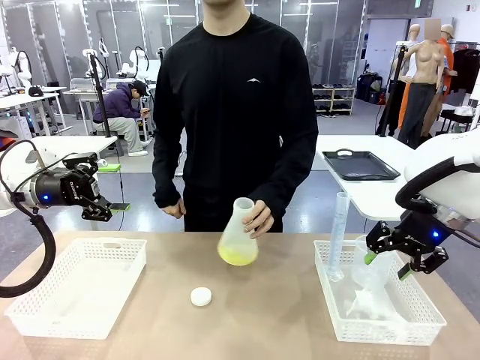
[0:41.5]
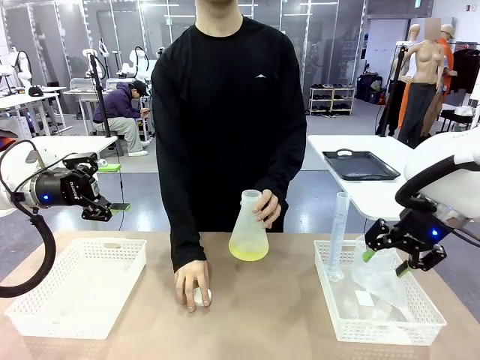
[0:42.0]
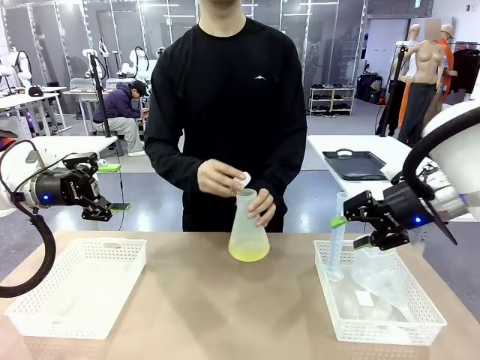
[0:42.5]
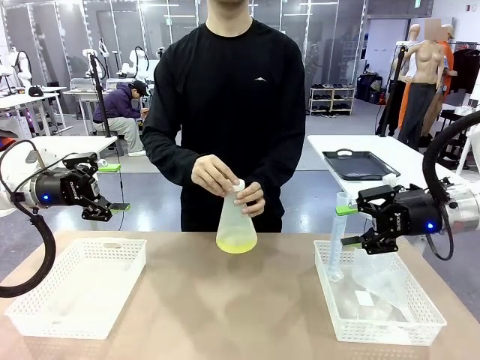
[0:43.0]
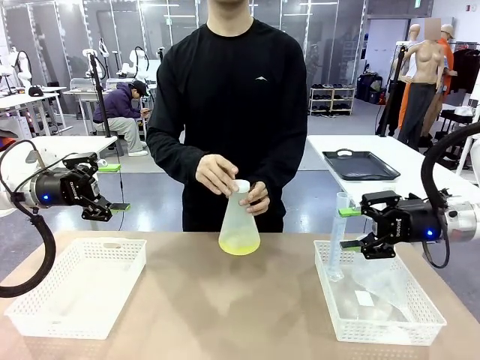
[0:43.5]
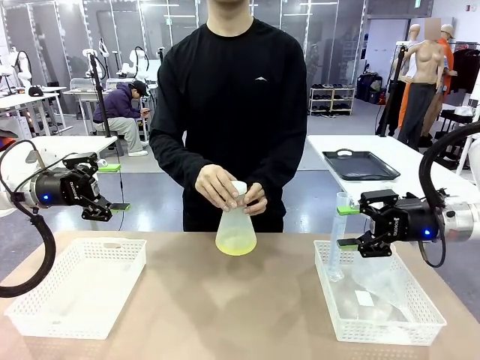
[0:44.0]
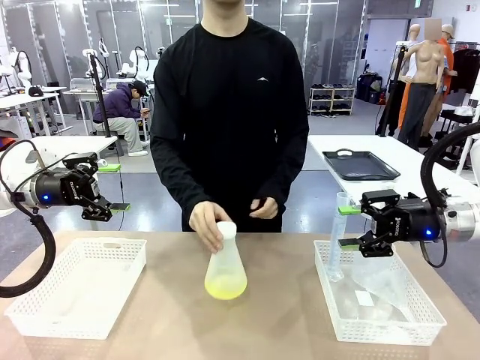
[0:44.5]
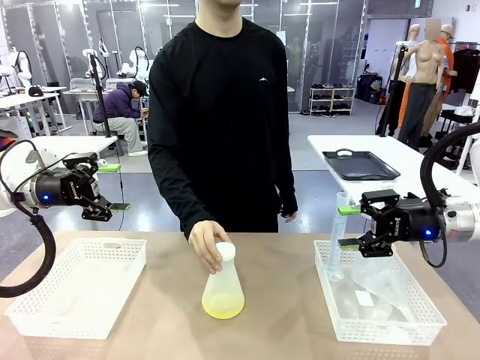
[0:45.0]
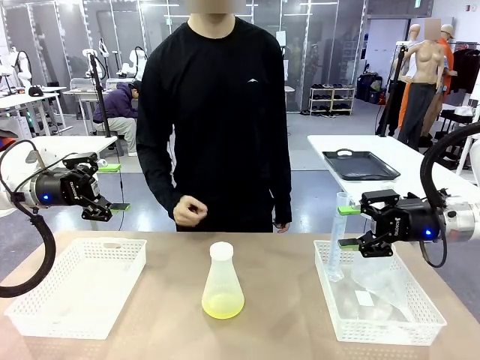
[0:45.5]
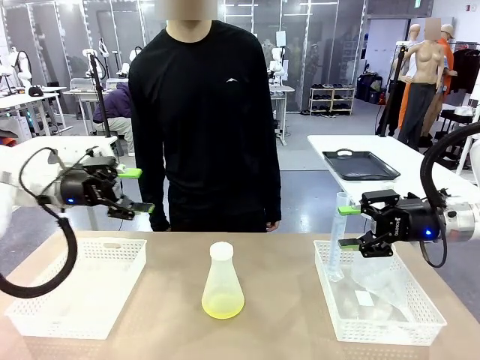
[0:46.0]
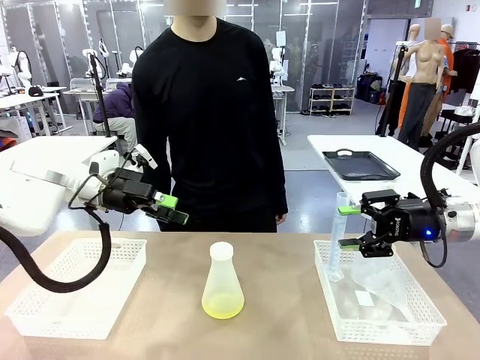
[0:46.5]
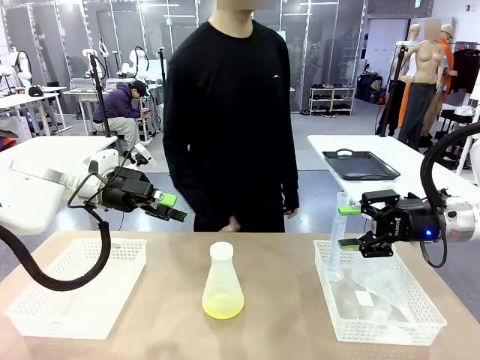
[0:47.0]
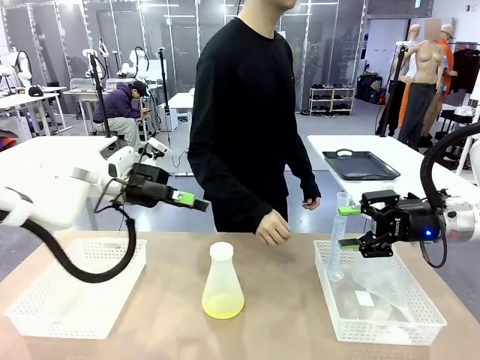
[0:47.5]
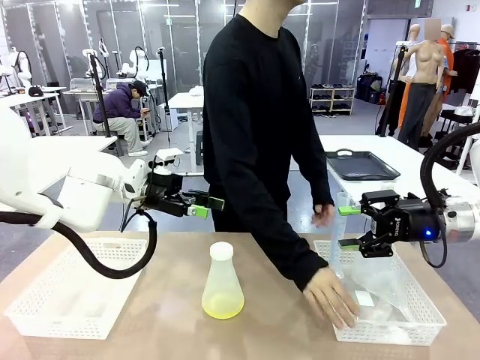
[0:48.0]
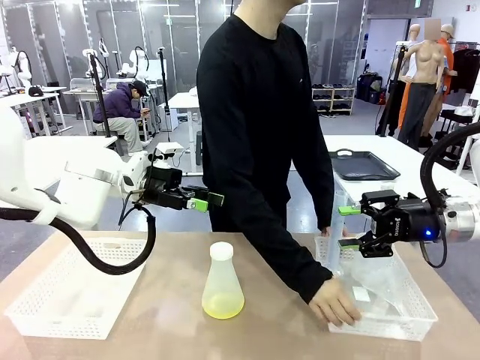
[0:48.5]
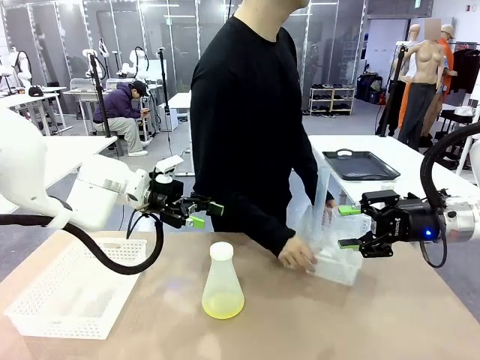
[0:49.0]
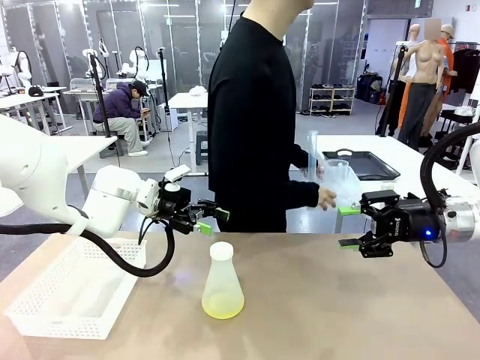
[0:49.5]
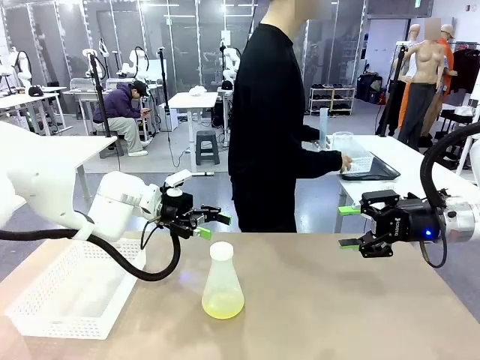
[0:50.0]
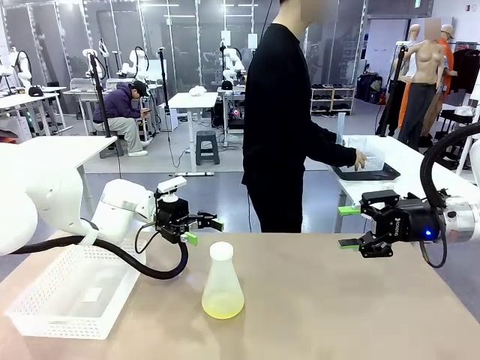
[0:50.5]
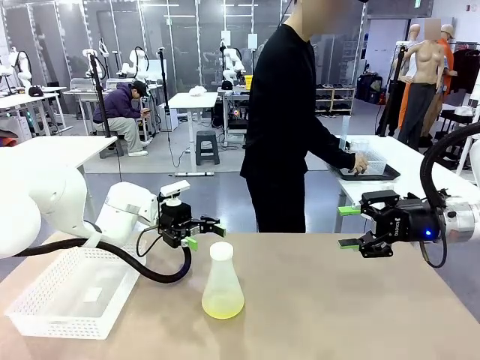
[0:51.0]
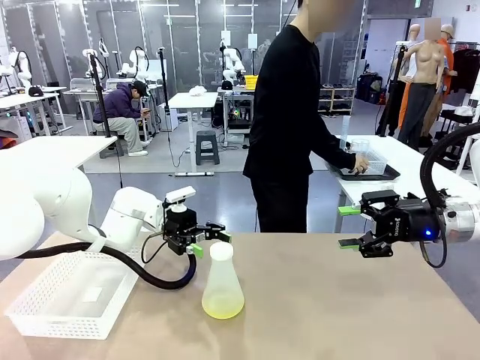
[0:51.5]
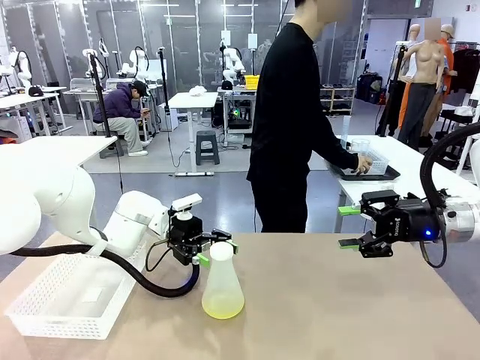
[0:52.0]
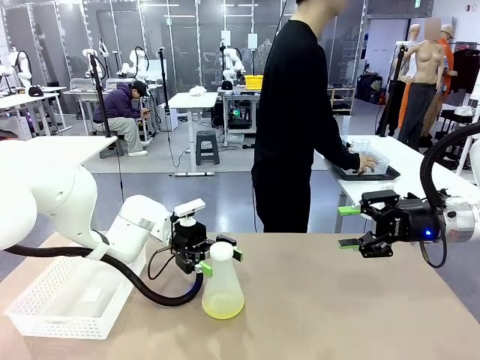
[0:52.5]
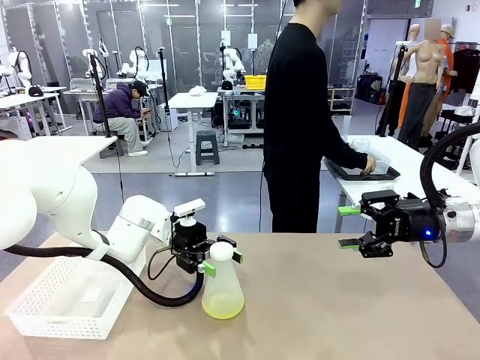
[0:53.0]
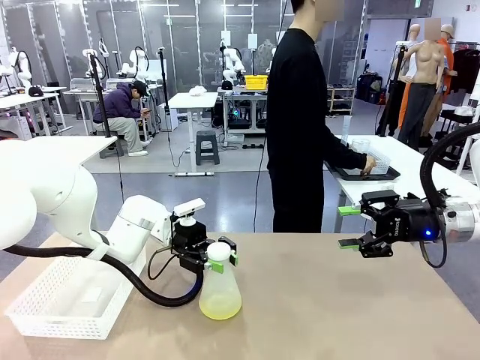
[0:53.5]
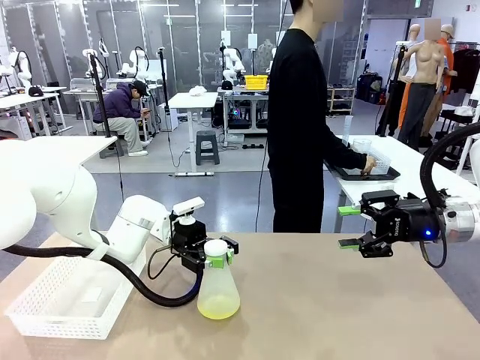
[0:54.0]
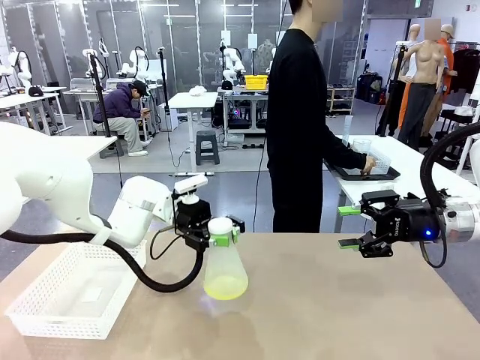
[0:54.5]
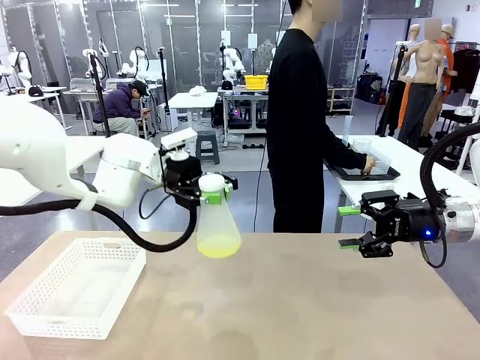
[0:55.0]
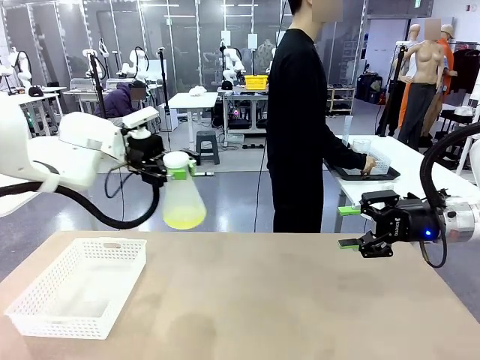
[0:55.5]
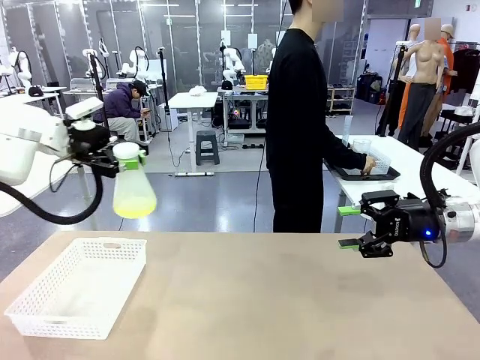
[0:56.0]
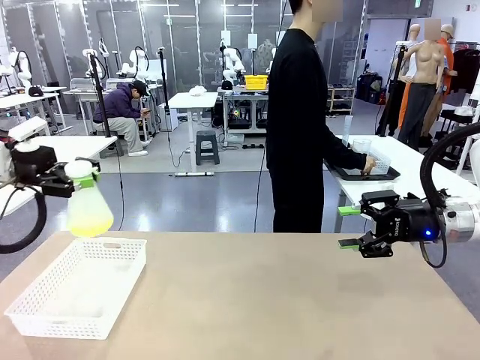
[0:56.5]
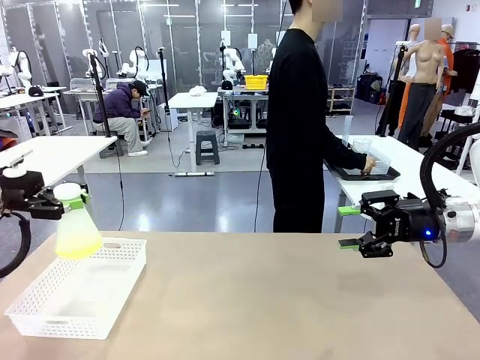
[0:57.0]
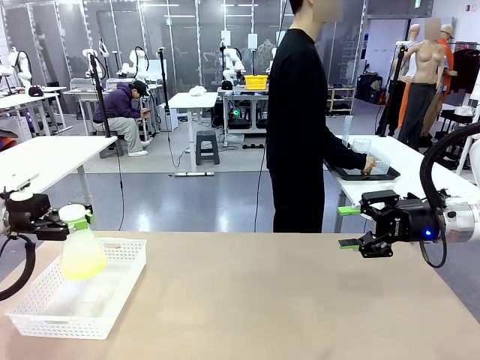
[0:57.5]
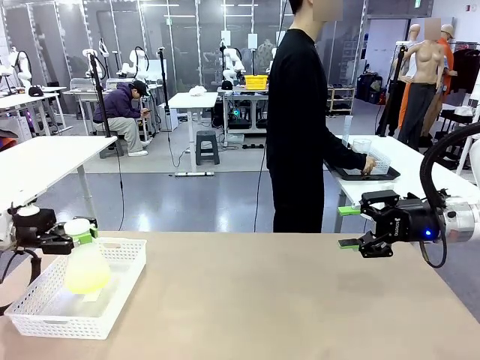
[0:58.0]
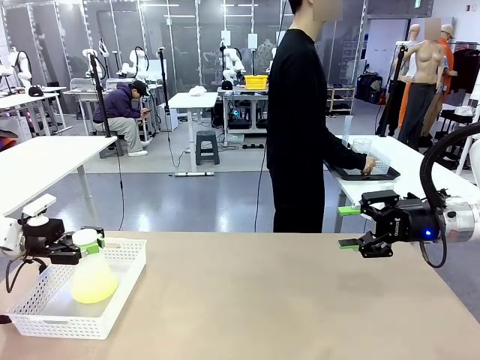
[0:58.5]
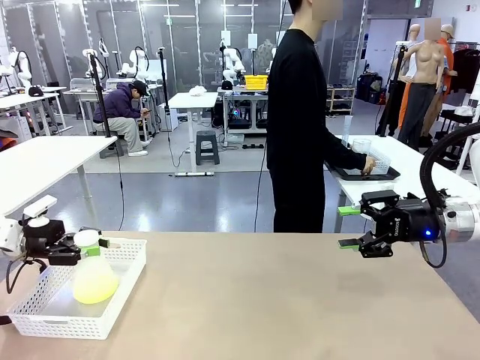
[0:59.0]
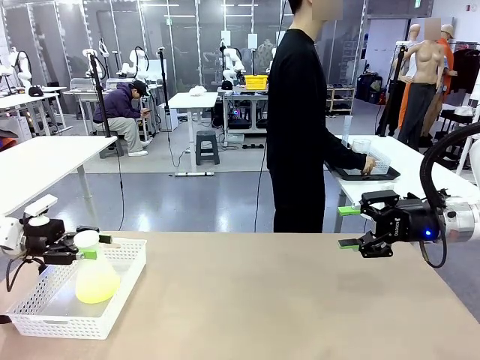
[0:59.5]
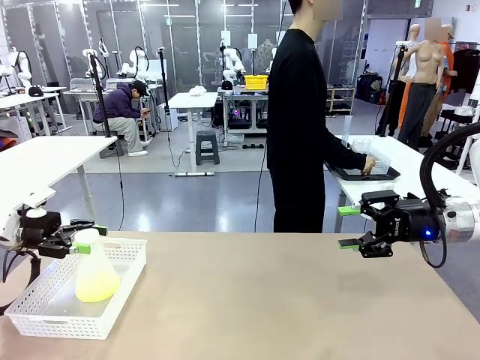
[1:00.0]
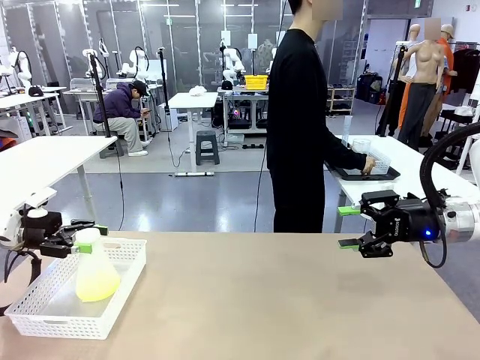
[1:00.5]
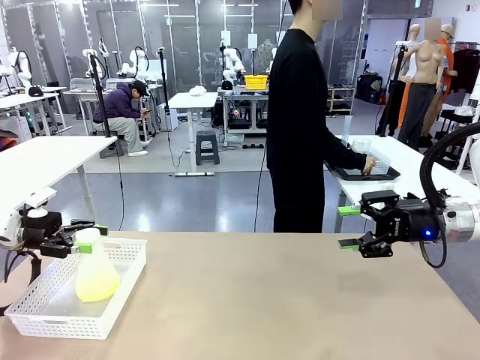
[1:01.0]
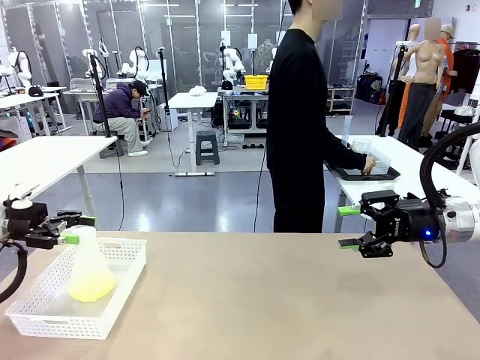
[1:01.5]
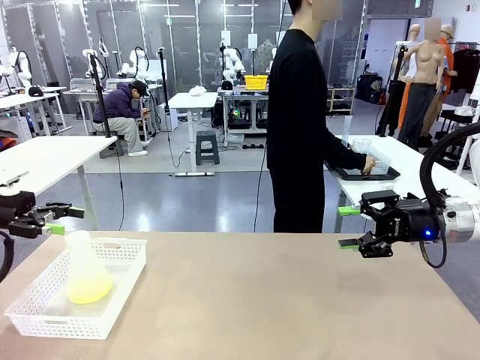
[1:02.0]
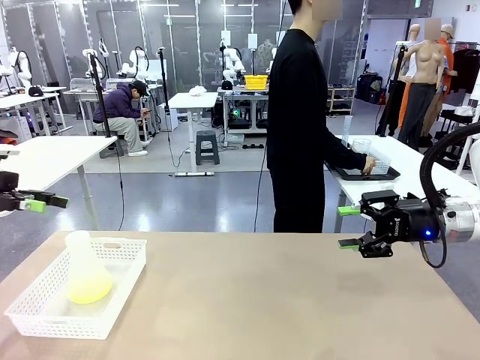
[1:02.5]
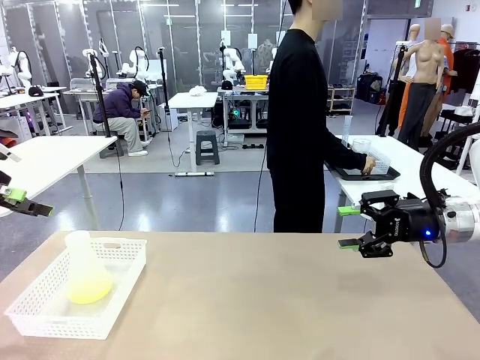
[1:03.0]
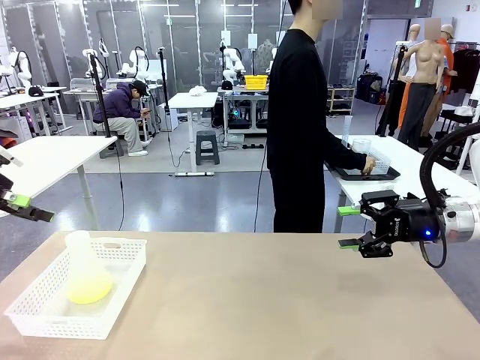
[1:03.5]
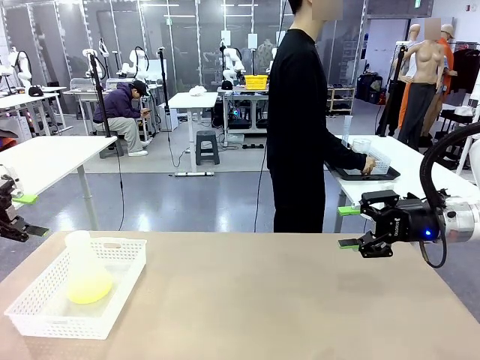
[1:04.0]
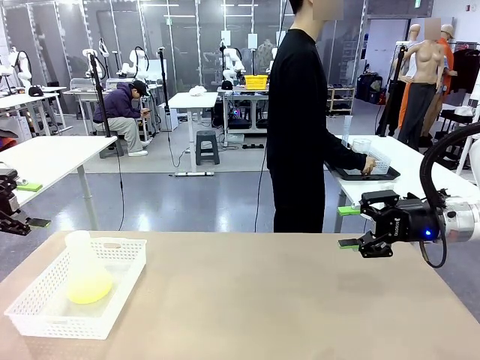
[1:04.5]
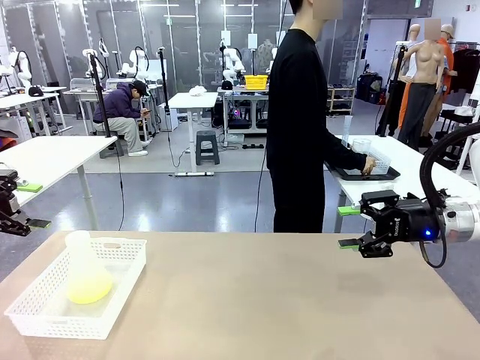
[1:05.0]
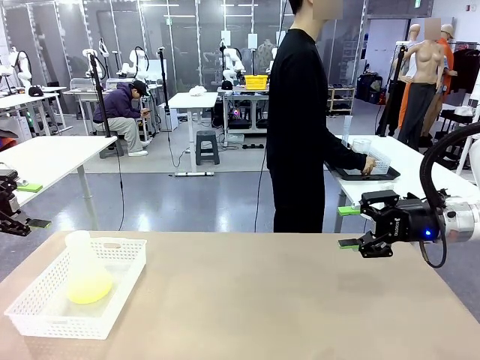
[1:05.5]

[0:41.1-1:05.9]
Task: Prepare the solutions needed for the experiment.
Robot: When the human places the Big flask in the center of the table, pick up the Big flask and place it in the left Organizing basket.
Person: Pick up the organizing basket on the left side of the robot table and place it on the left side of the human table.
